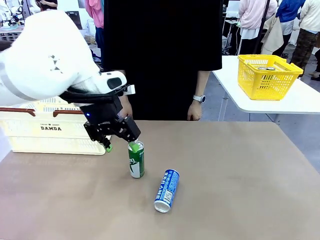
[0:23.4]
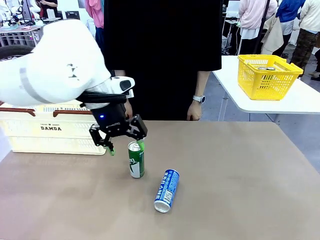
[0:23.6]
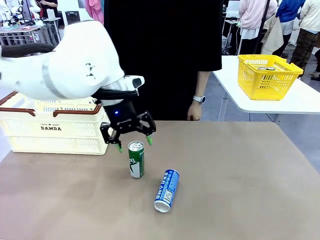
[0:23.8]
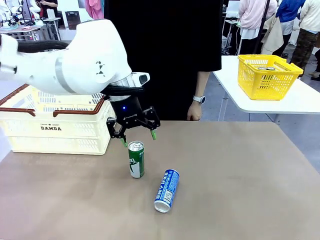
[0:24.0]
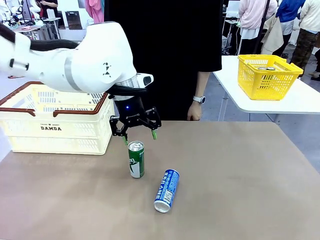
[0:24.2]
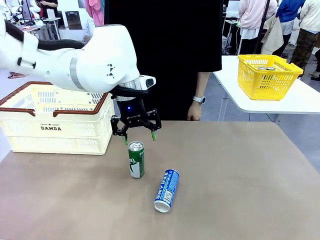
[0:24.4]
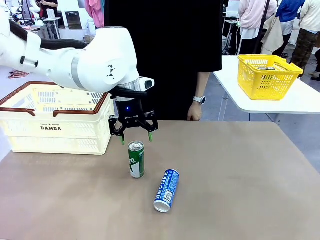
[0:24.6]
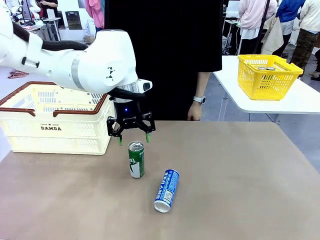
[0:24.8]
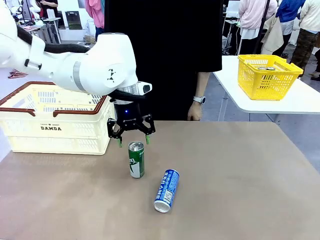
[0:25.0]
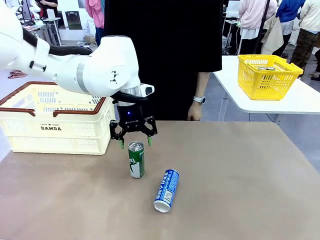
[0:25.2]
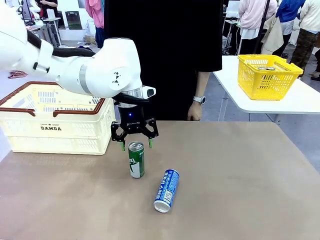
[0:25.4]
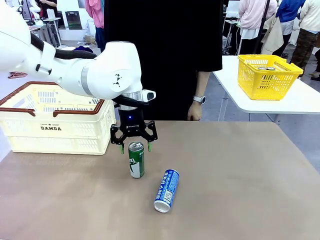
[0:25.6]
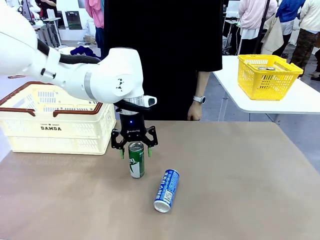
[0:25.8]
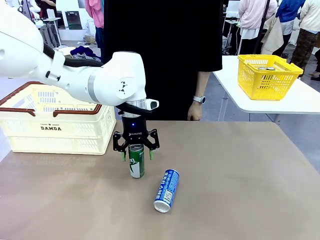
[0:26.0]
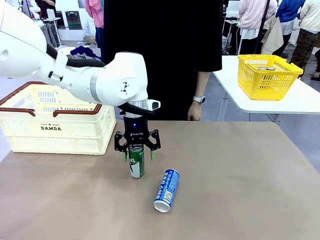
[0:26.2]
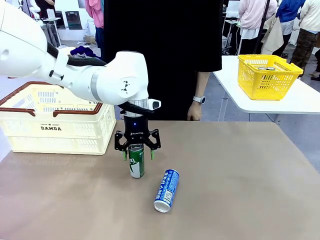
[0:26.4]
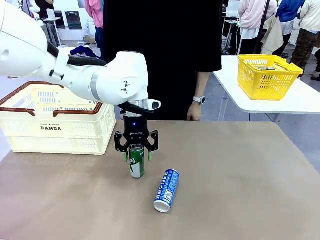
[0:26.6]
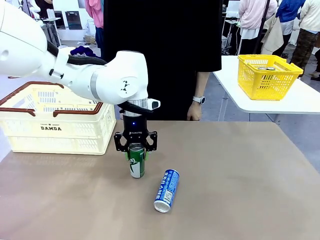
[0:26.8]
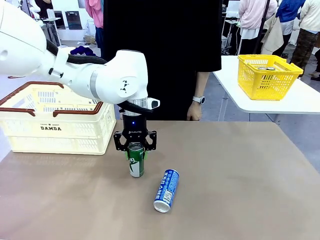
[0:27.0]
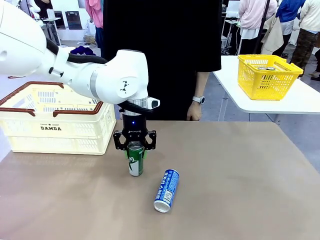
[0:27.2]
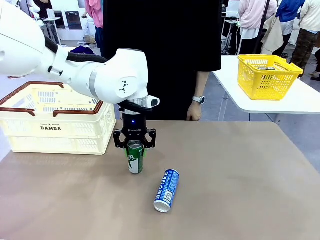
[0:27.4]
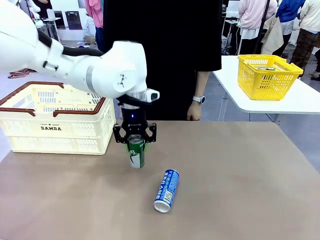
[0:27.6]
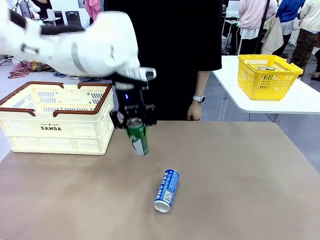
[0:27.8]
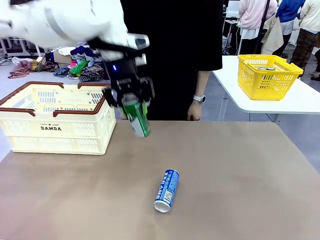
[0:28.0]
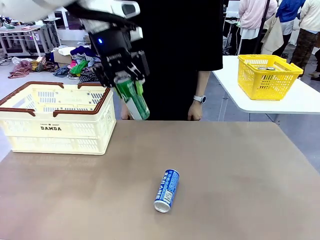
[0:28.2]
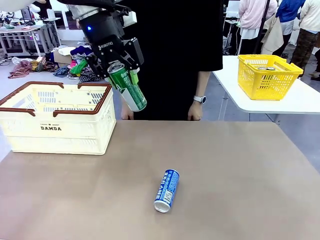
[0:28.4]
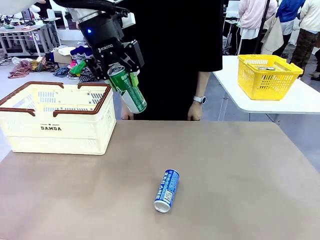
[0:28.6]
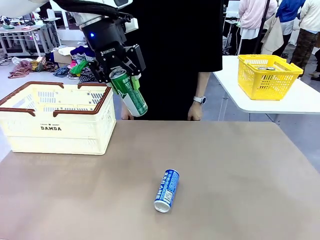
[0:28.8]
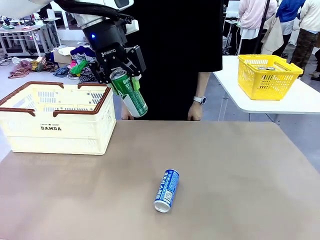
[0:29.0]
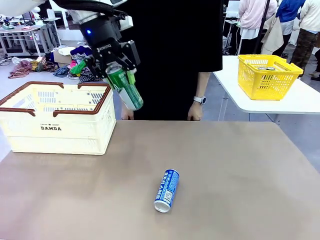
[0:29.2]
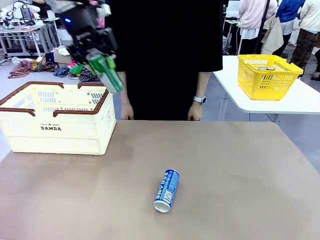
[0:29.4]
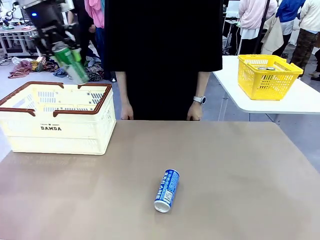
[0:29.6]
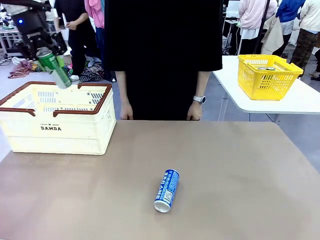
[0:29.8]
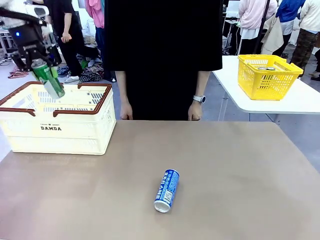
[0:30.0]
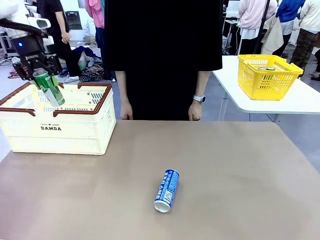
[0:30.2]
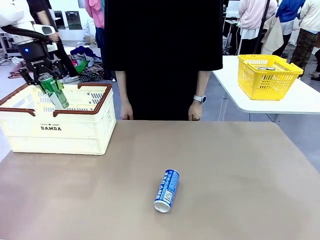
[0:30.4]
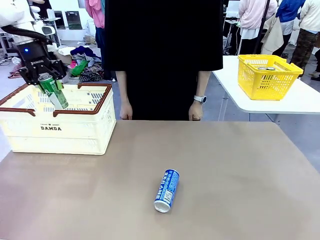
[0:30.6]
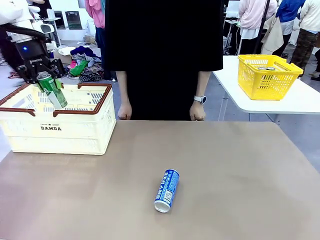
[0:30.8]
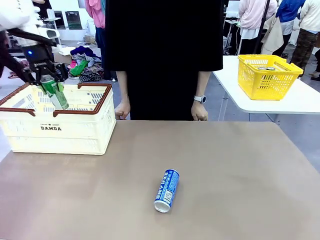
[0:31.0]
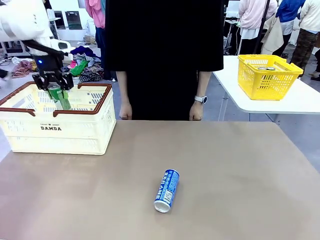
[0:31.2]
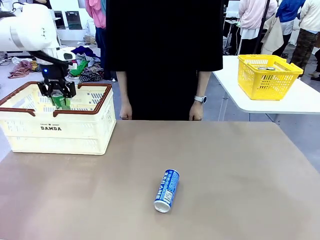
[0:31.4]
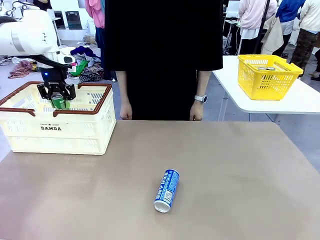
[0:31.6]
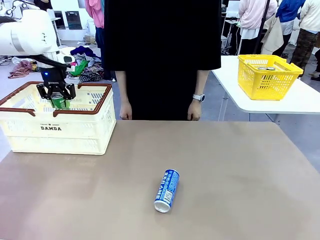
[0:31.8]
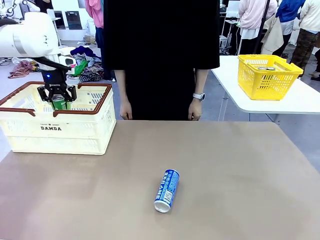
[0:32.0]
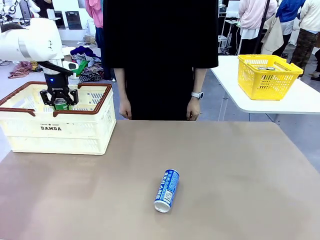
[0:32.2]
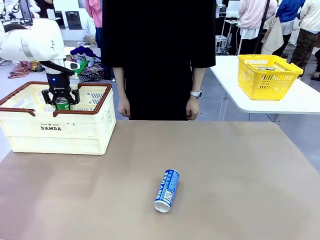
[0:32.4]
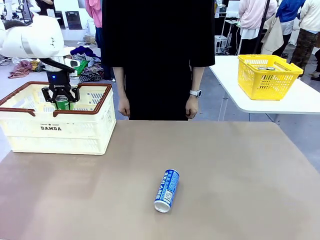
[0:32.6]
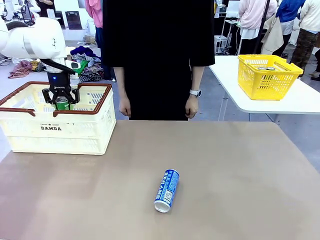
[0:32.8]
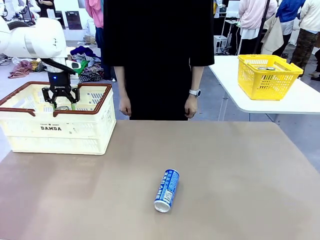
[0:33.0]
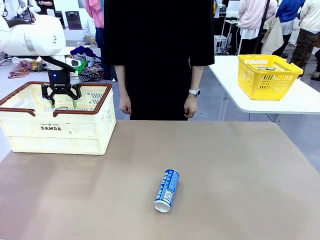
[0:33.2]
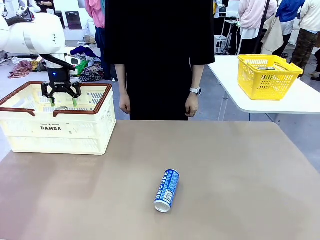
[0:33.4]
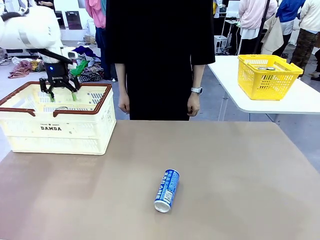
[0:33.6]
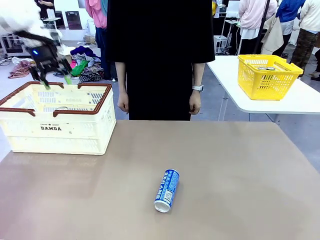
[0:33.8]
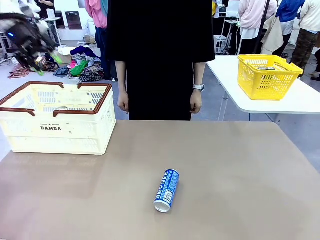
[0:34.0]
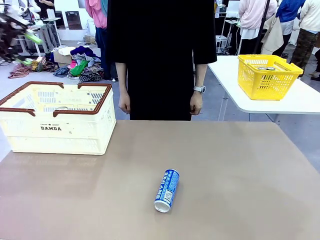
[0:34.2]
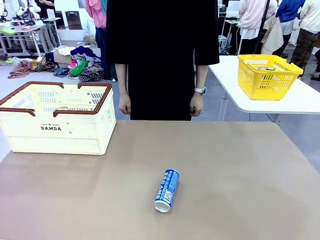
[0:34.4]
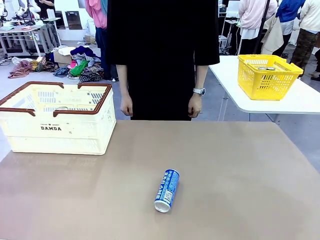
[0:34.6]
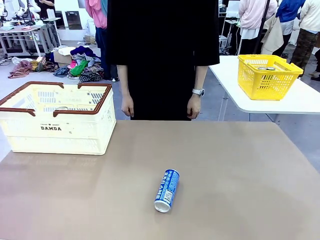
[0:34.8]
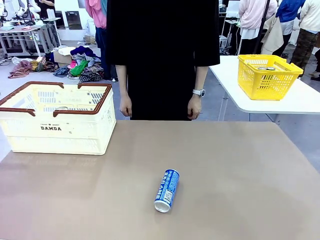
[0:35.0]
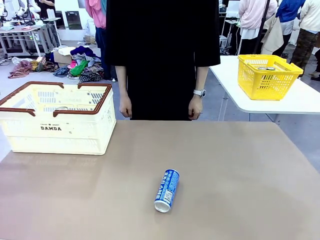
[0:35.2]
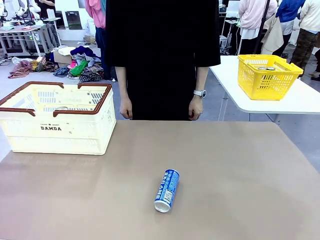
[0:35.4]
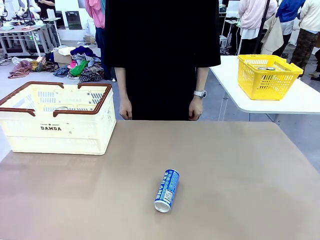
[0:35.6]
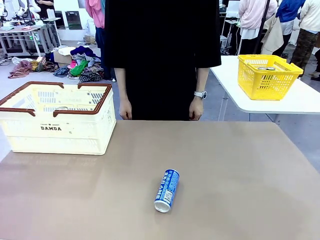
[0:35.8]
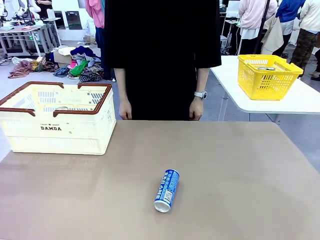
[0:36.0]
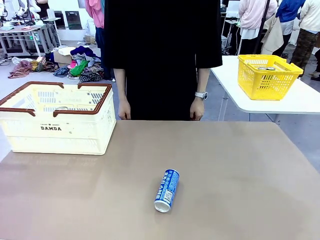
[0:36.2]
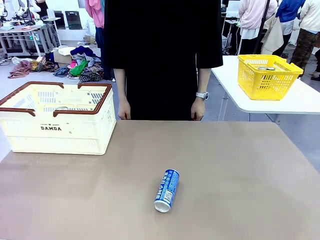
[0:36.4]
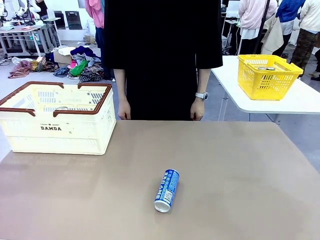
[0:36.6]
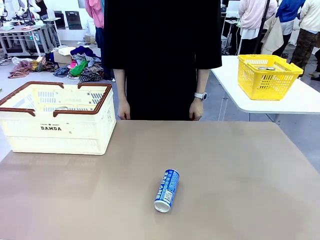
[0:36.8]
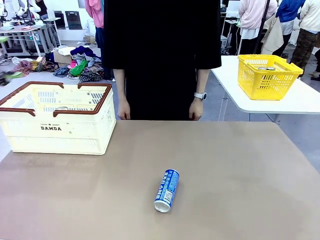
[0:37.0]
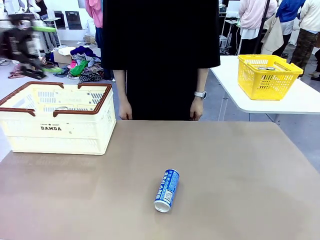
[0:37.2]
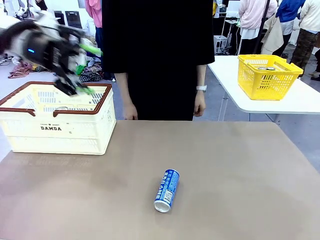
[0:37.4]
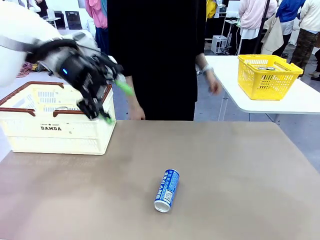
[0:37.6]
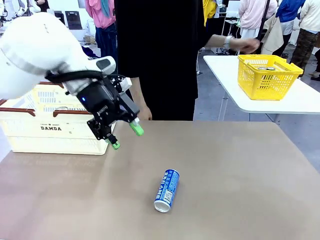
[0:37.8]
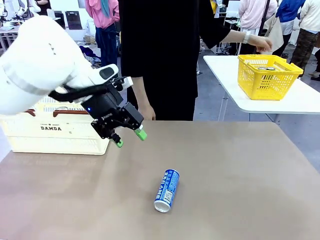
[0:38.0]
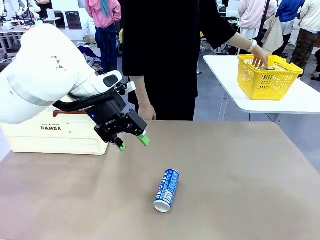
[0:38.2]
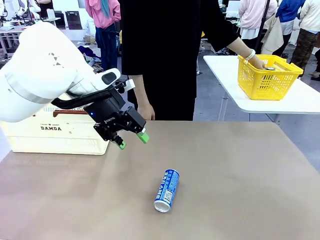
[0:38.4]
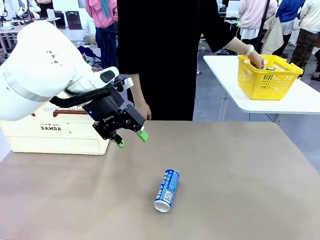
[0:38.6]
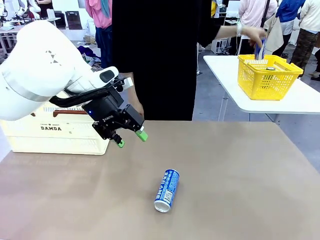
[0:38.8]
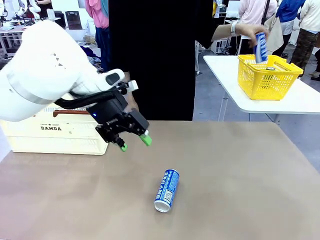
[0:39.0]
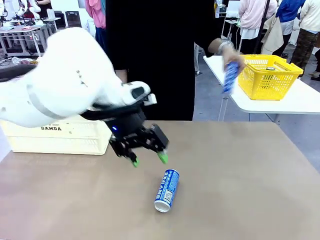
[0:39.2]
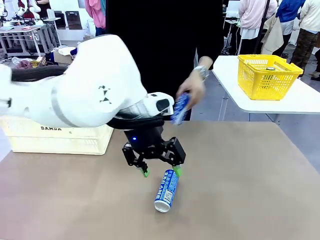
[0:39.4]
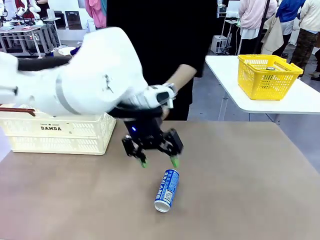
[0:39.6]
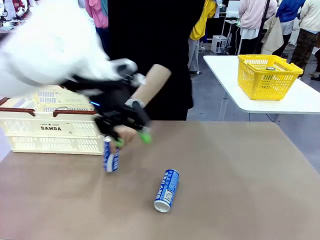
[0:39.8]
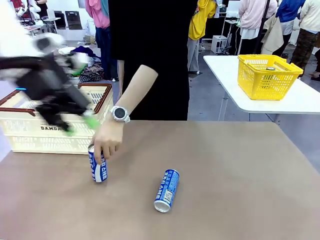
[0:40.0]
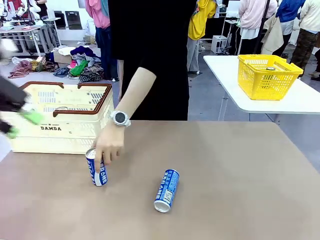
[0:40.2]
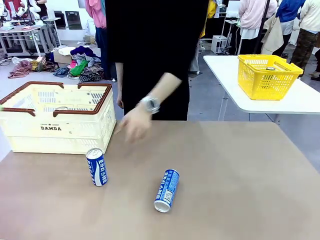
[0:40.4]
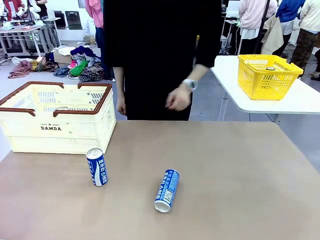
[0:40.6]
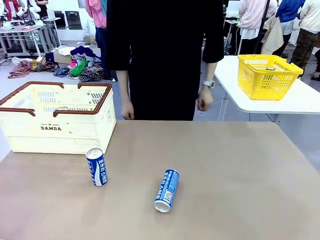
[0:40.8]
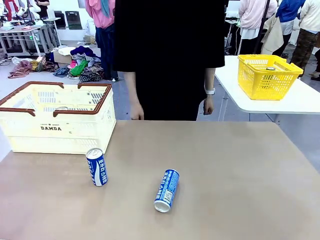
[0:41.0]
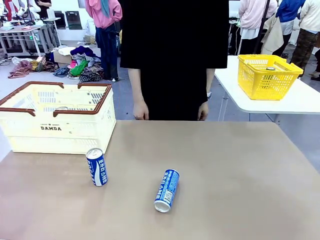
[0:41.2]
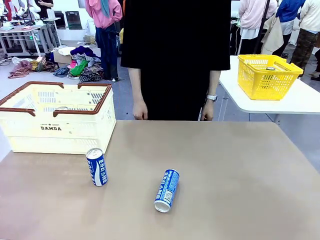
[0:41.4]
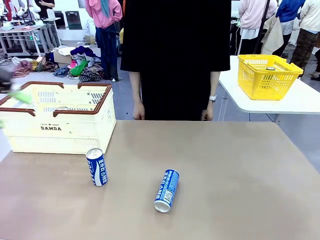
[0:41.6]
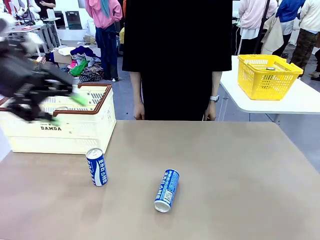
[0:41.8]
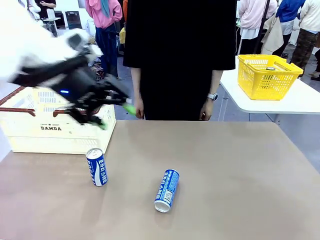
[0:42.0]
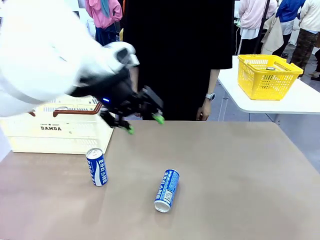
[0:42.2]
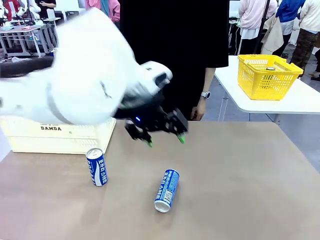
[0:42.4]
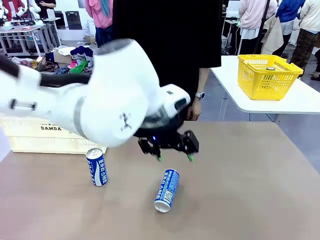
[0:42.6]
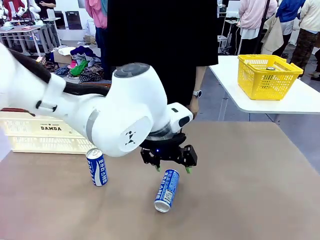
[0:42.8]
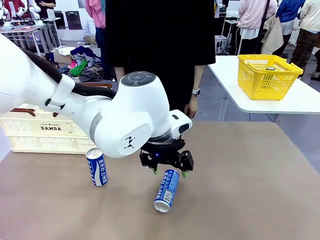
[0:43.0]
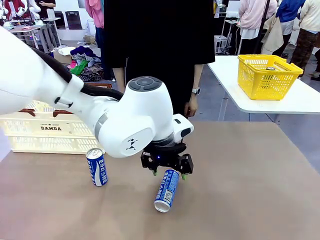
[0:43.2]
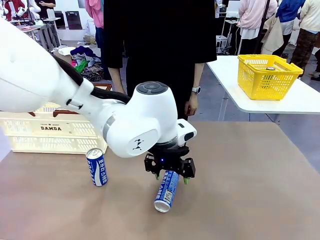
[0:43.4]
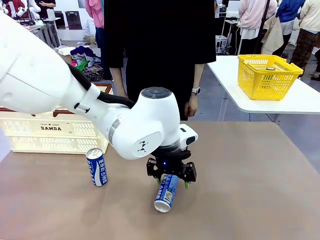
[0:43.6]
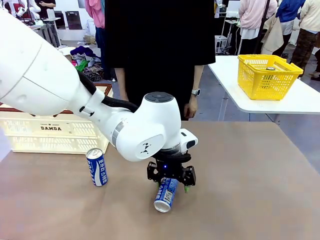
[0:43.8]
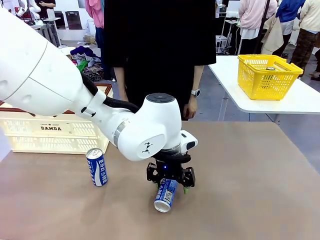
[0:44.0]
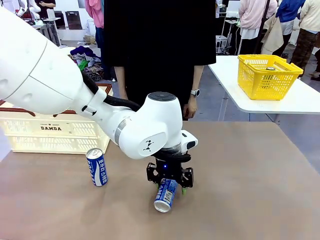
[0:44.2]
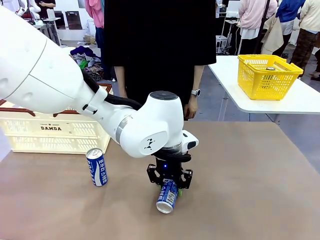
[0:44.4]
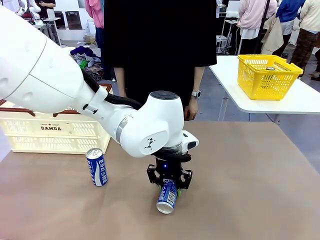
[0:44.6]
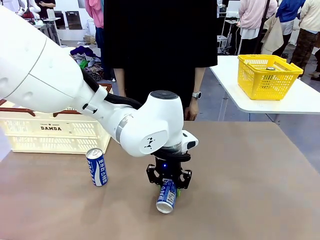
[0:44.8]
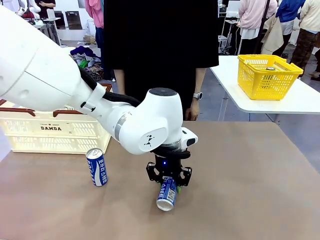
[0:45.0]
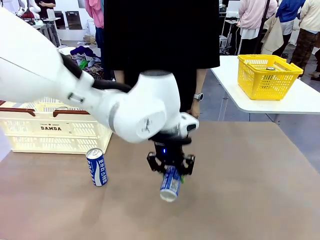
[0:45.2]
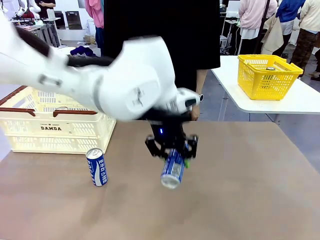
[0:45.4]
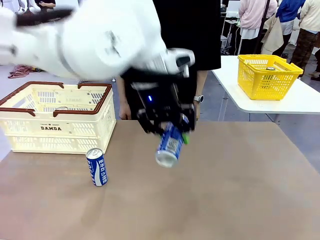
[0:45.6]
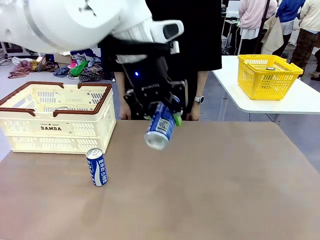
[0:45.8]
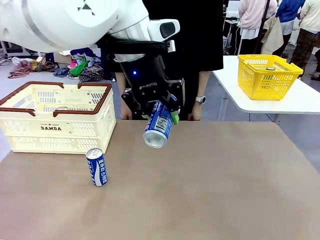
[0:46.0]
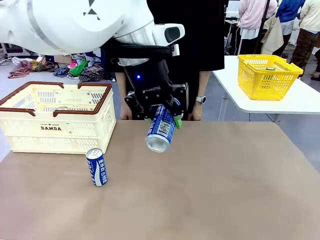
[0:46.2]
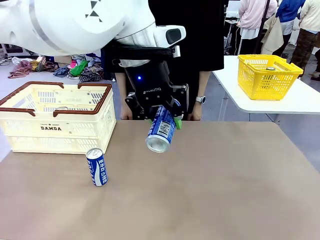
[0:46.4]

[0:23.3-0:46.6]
Task: Place the drinks into the Shopping basket.
Robot: Pick up one drink and place it into the Shopping basket.
